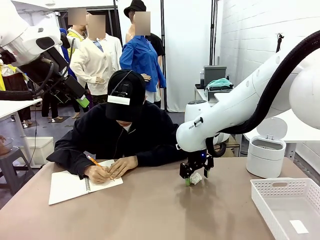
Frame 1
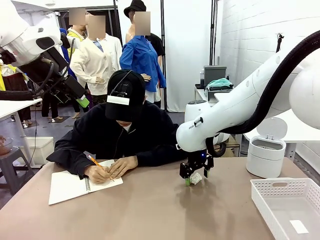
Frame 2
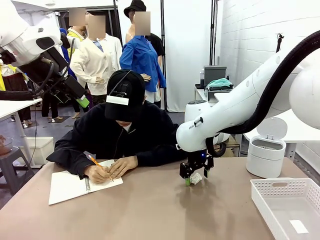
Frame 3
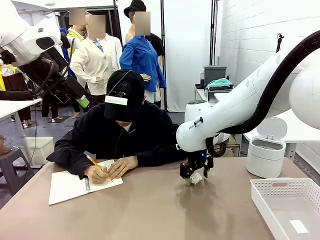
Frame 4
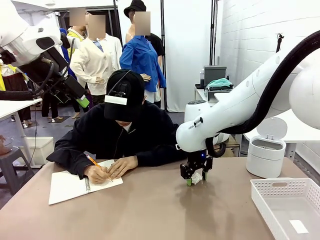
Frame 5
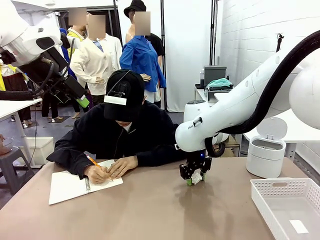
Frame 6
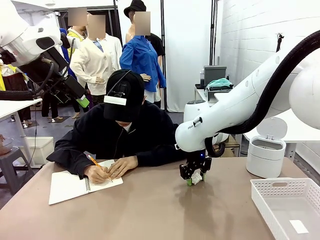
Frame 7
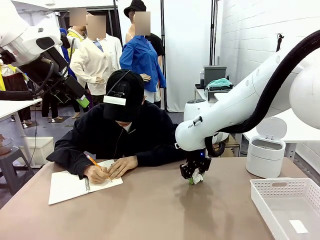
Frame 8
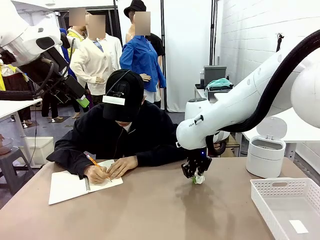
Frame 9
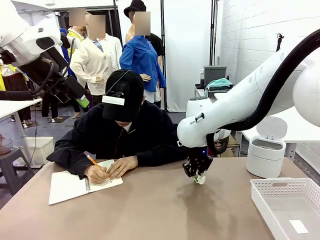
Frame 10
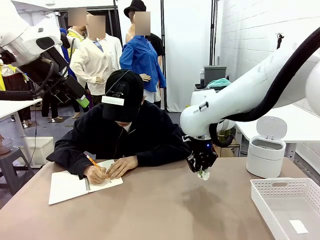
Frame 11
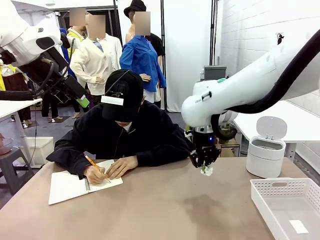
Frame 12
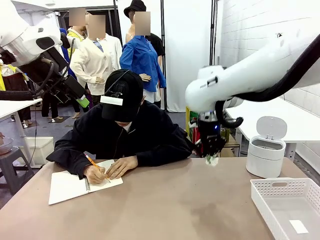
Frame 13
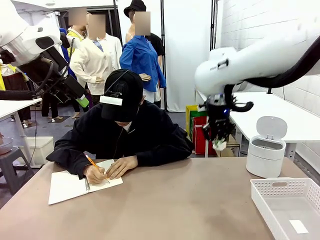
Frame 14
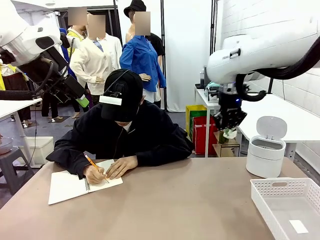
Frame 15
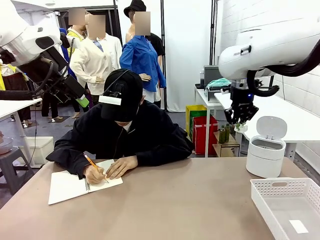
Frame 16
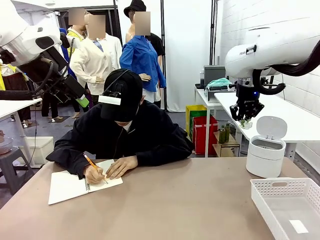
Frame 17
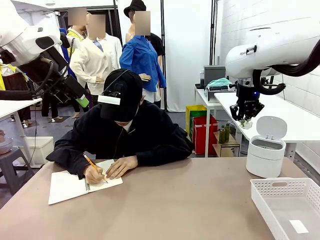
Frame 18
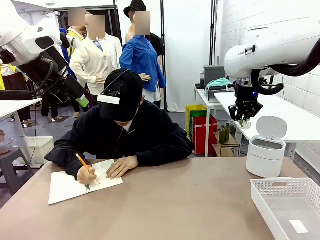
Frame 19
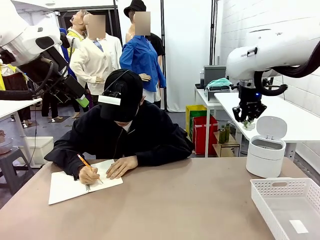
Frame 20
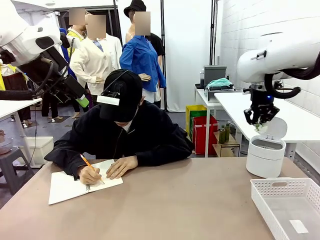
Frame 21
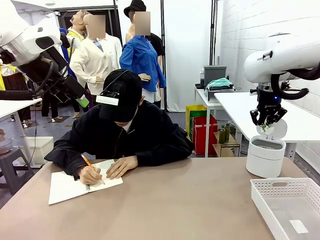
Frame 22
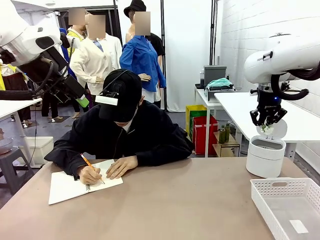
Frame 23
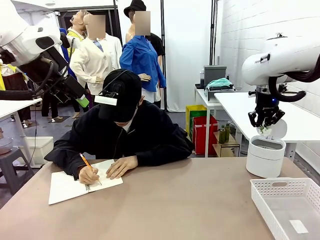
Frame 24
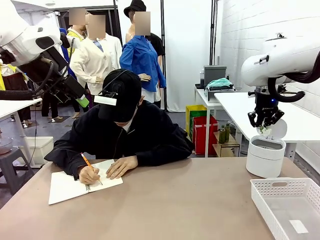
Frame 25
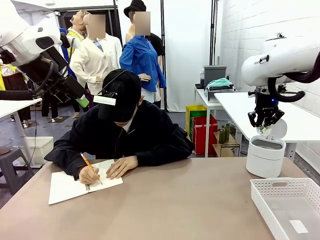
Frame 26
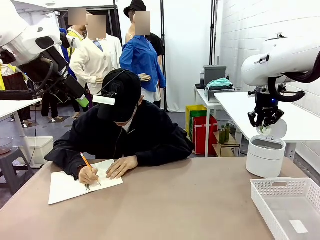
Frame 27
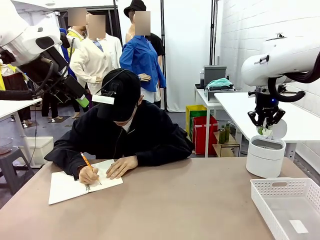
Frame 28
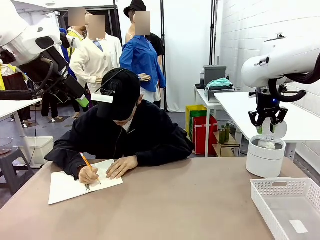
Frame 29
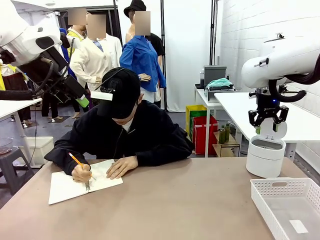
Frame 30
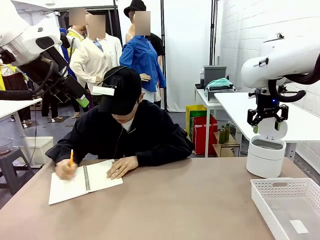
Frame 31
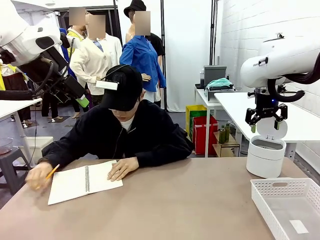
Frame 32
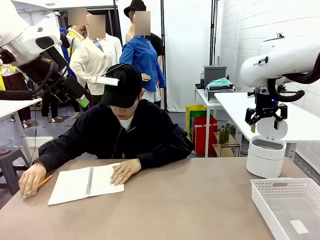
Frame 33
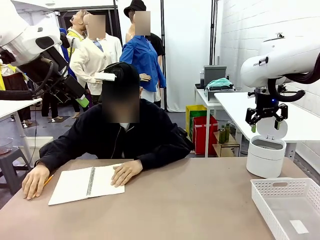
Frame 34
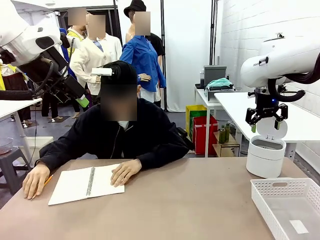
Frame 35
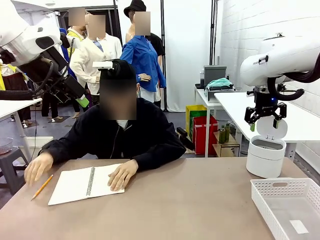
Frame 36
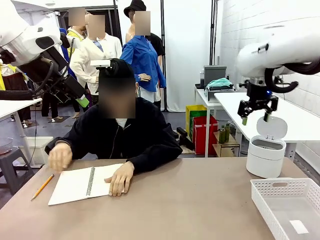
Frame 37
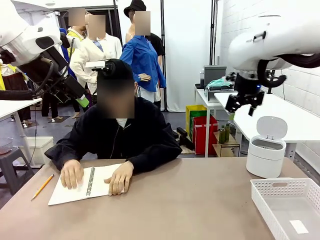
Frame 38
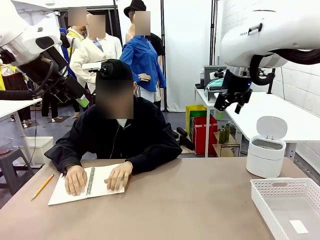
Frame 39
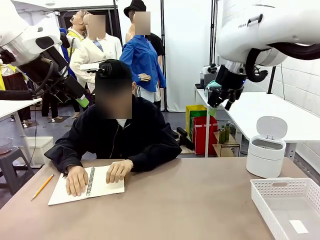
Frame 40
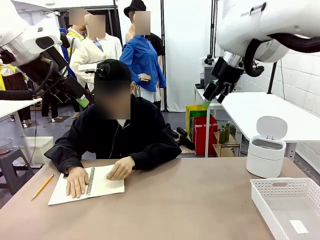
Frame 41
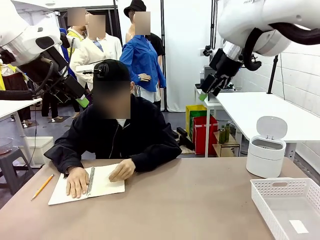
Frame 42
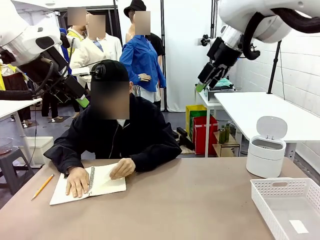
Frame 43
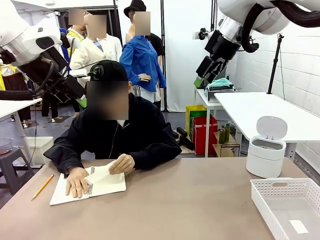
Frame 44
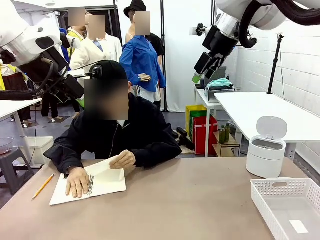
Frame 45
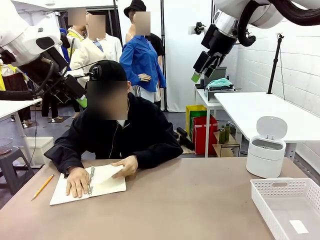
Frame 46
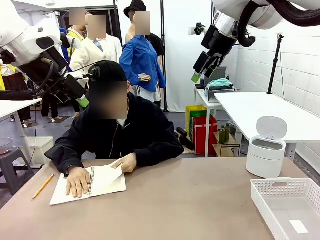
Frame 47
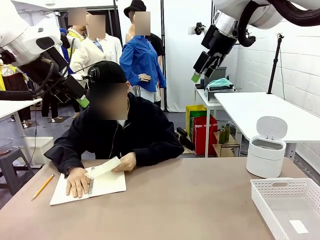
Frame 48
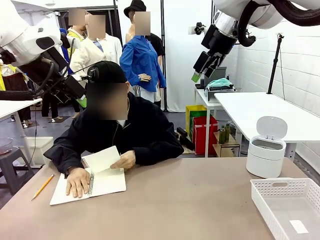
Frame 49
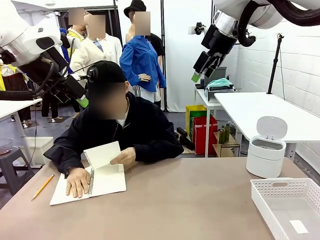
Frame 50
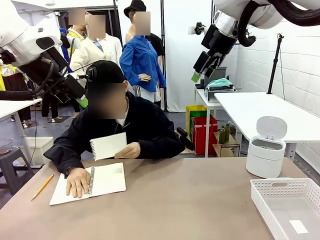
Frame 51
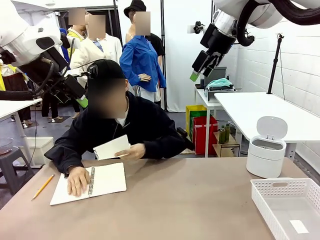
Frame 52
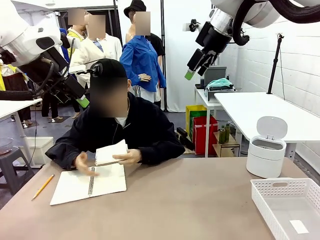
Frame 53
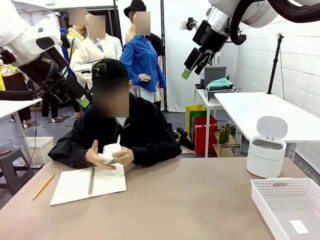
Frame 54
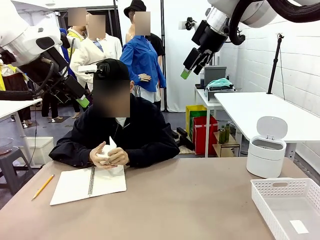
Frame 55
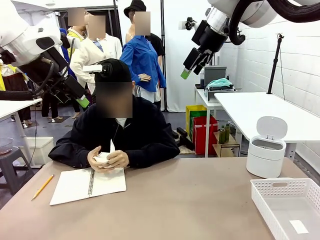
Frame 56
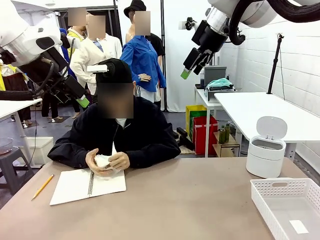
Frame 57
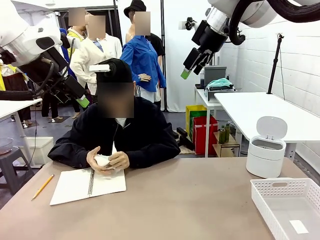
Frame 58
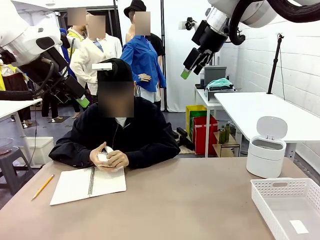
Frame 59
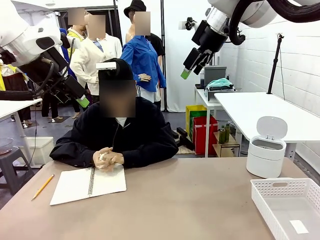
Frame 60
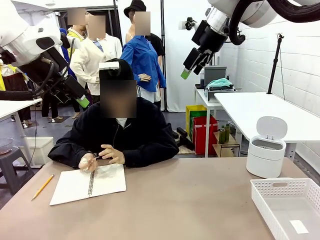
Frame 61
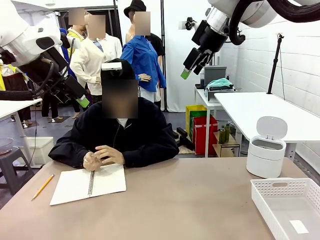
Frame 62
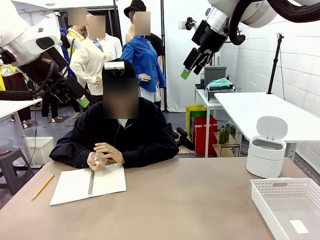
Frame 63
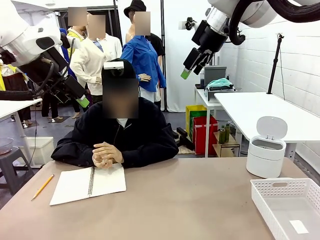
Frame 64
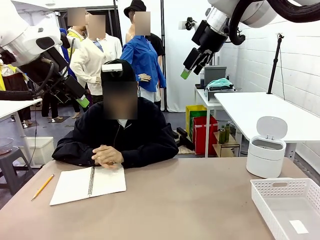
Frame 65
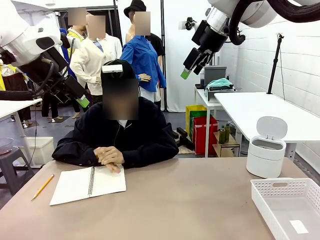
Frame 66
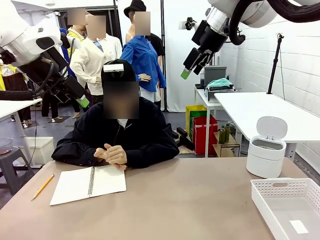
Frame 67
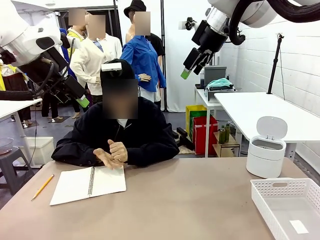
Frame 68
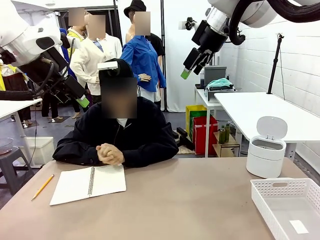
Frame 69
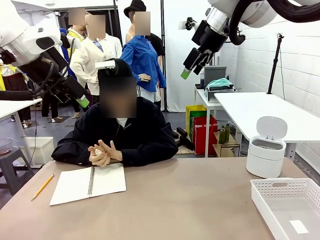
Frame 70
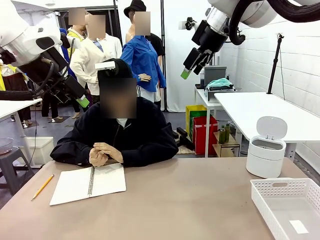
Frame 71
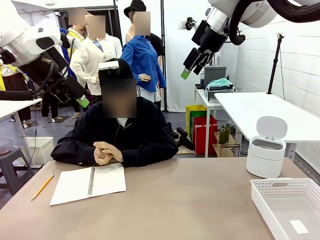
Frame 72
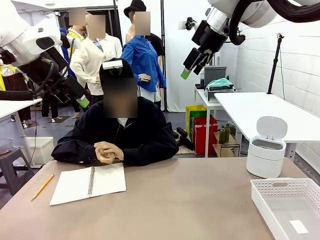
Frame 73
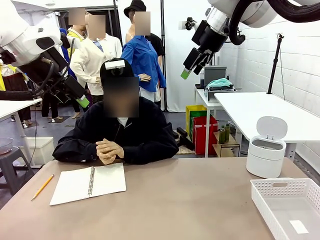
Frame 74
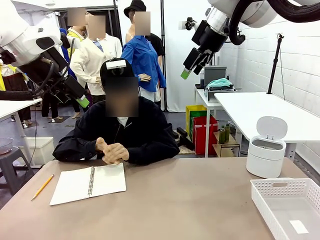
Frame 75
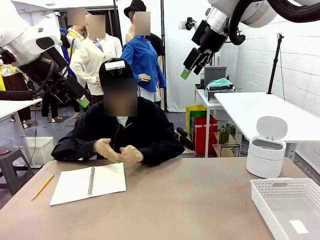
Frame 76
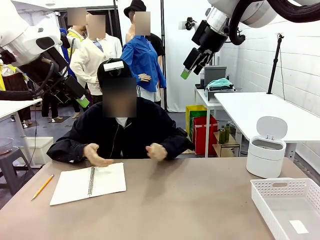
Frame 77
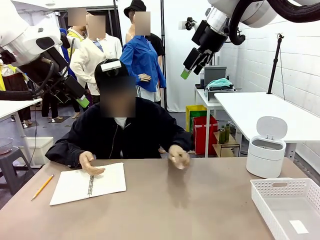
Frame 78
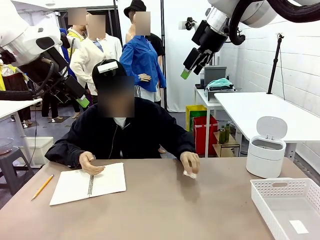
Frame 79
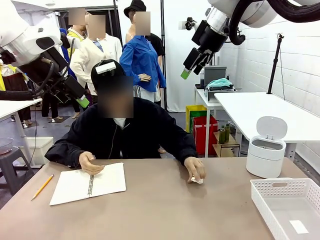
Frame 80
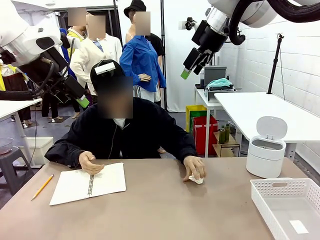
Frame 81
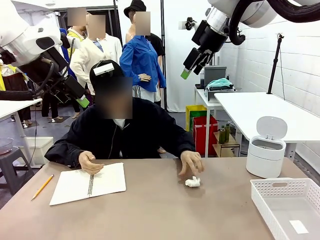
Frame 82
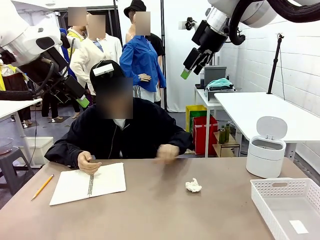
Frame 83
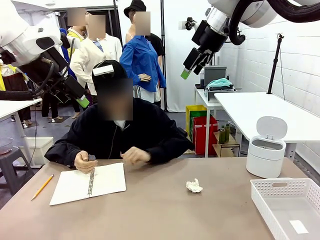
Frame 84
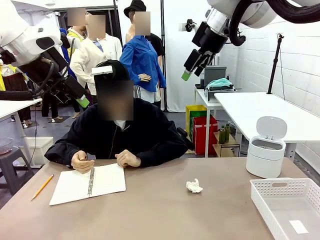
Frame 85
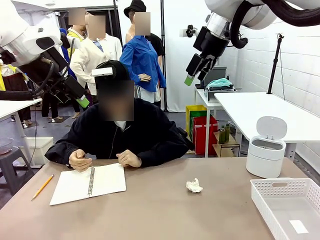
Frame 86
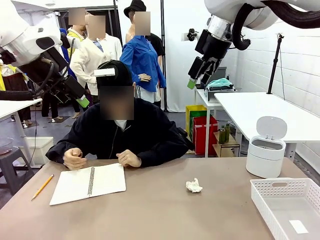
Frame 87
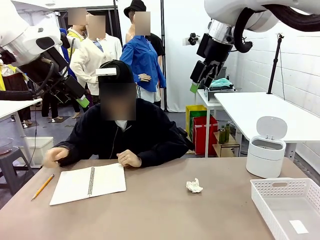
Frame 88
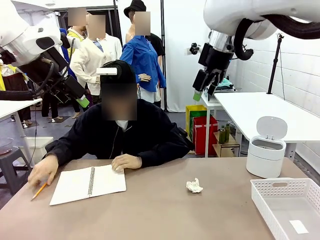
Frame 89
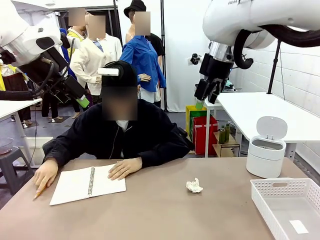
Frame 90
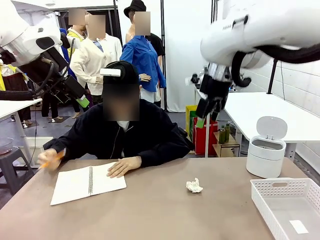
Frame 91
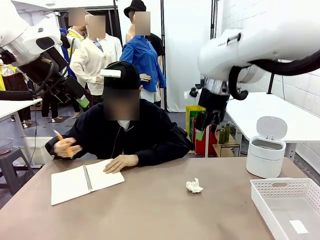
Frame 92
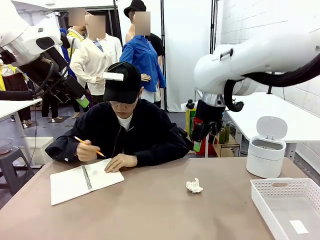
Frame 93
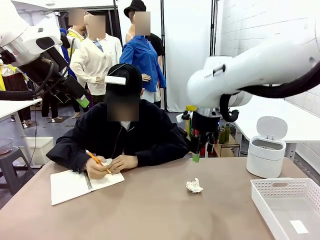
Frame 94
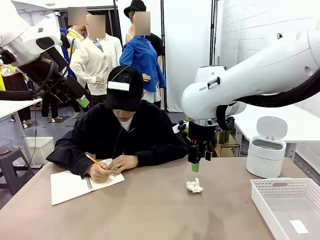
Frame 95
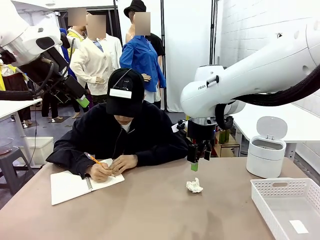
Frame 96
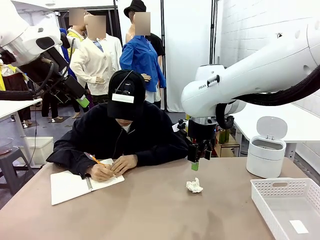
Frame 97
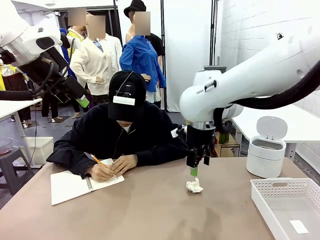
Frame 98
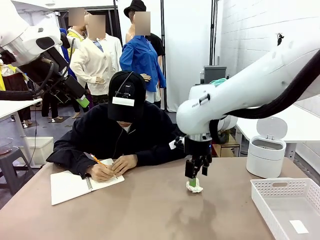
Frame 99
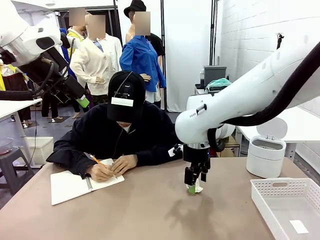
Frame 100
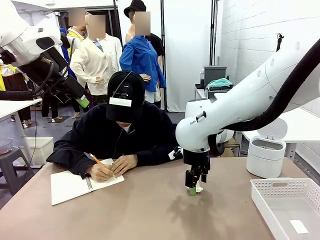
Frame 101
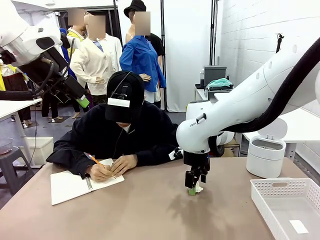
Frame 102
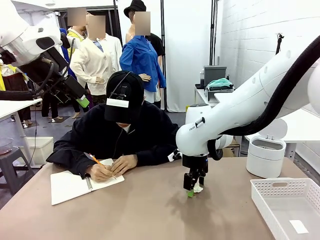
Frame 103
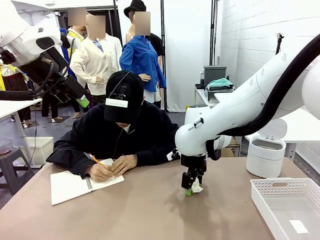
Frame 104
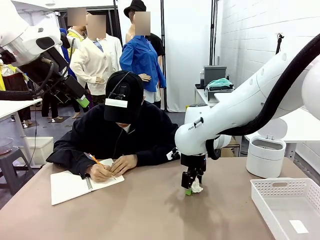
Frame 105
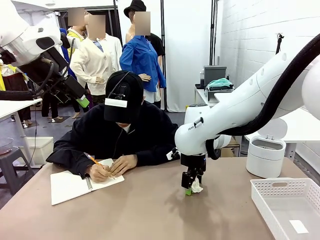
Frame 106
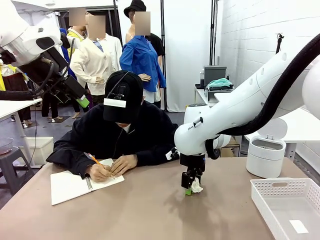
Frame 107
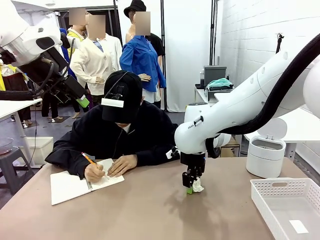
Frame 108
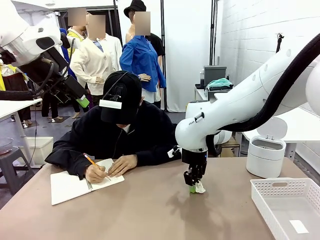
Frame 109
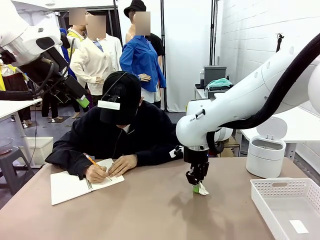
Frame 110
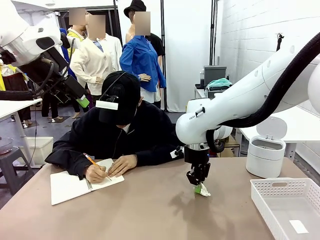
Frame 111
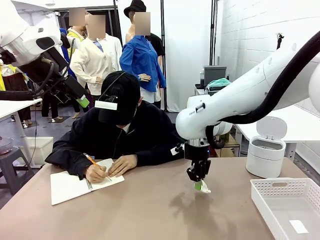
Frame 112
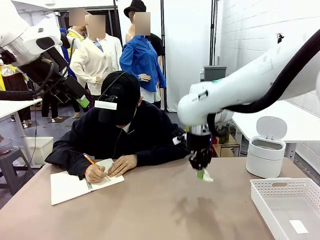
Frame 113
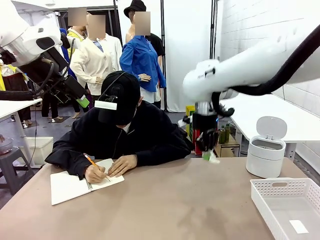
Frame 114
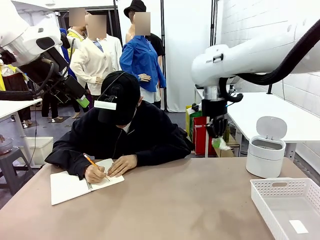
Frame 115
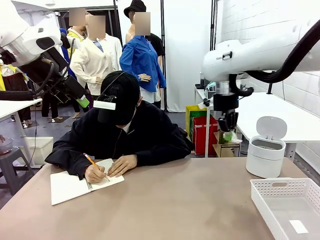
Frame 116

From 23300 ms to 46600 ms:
Task: Sort the paper based on its condition.
Robot: If a person hands you a paper, place it in the Organizing basket , and if it's crumpled, put it in the Trash can.
Person: Tear out a page from the spiral notebook. Hand the torn page to the robot or crumple it and throw it to the center of the table.
